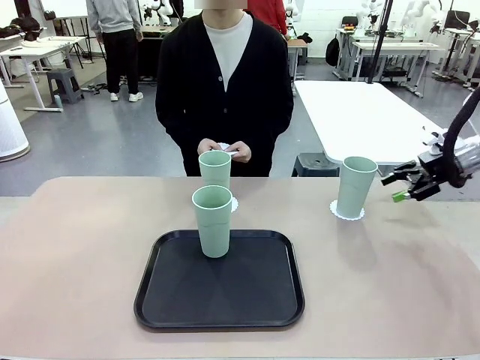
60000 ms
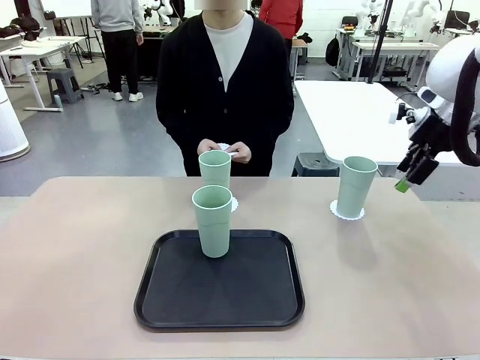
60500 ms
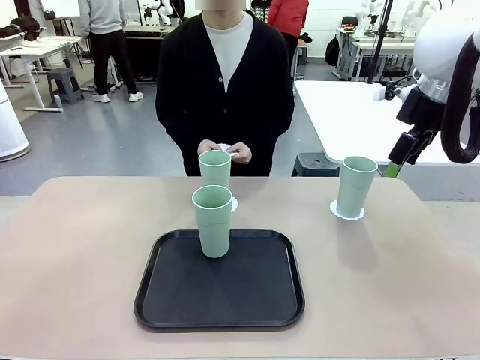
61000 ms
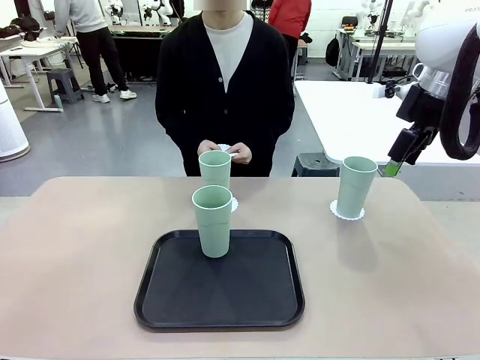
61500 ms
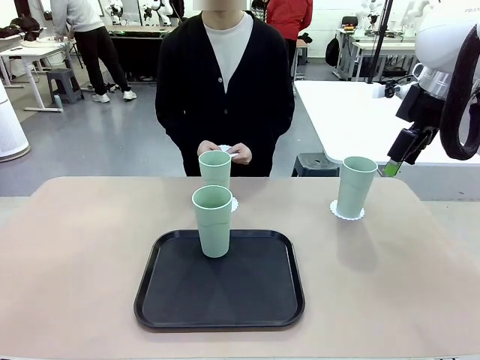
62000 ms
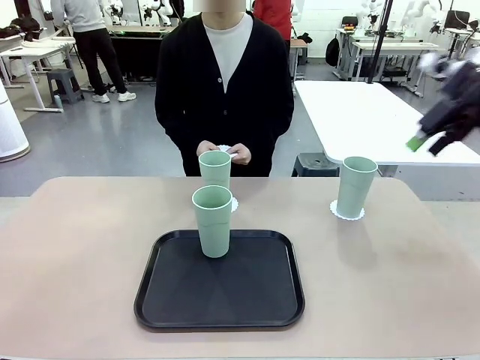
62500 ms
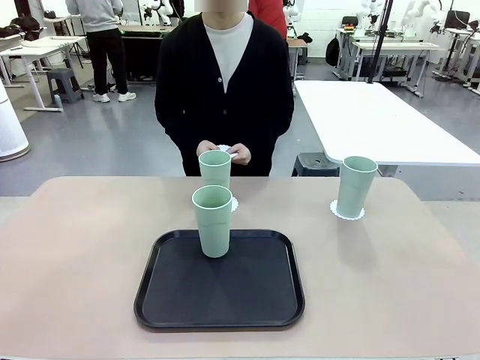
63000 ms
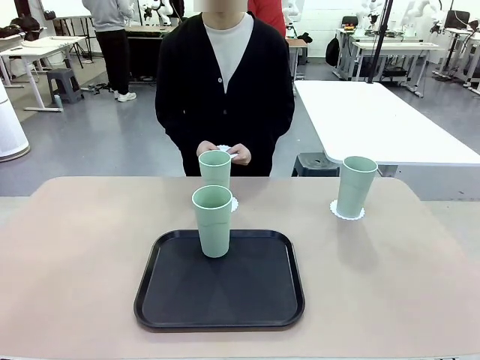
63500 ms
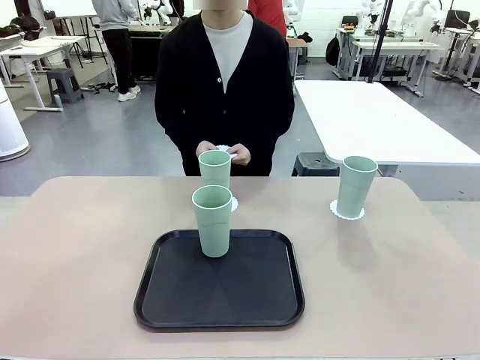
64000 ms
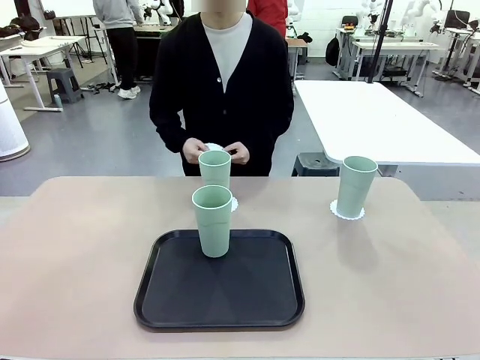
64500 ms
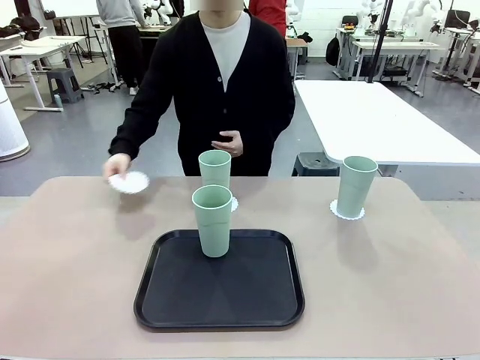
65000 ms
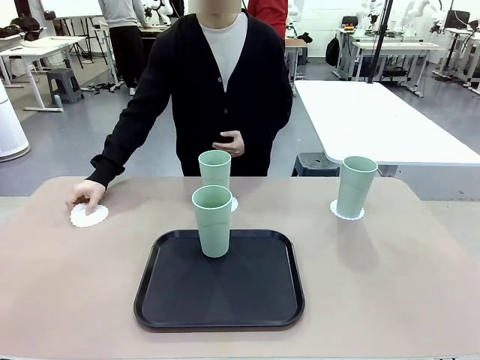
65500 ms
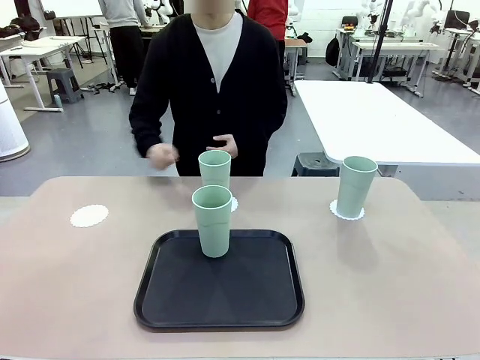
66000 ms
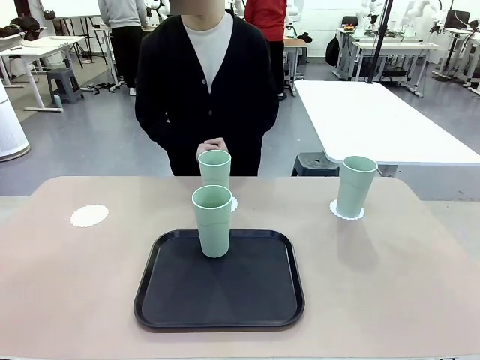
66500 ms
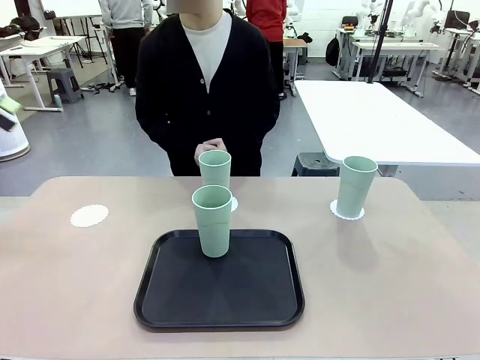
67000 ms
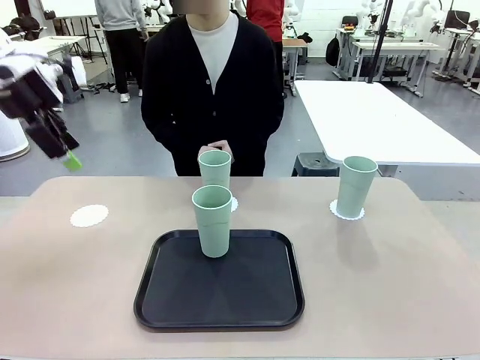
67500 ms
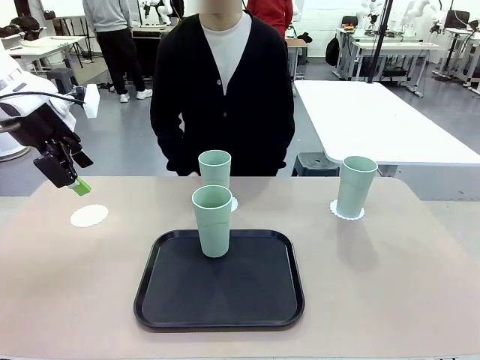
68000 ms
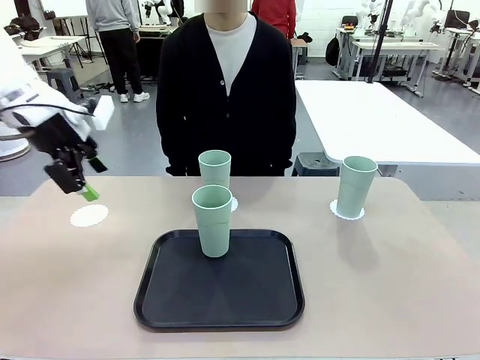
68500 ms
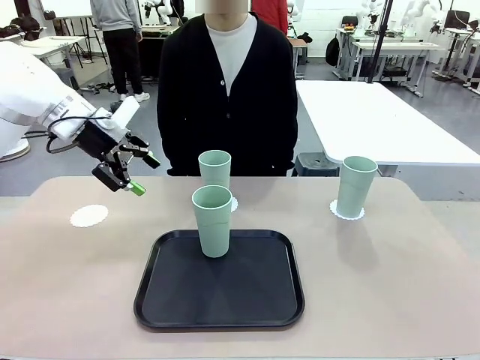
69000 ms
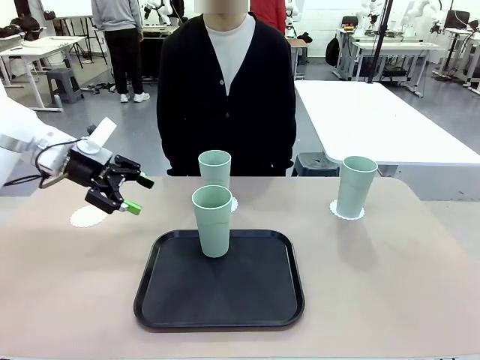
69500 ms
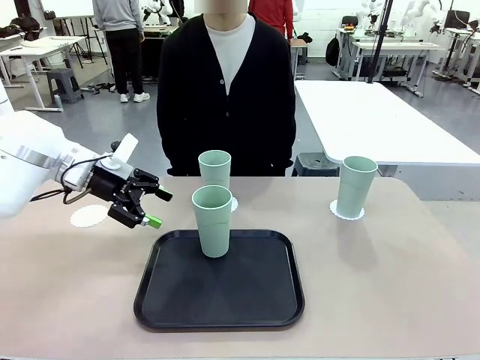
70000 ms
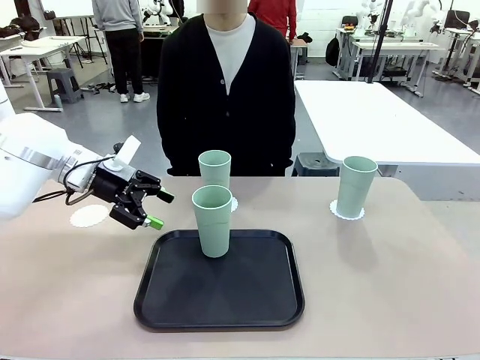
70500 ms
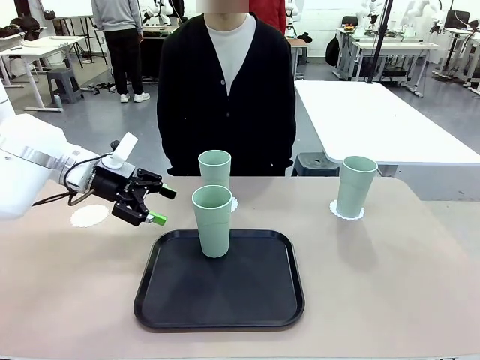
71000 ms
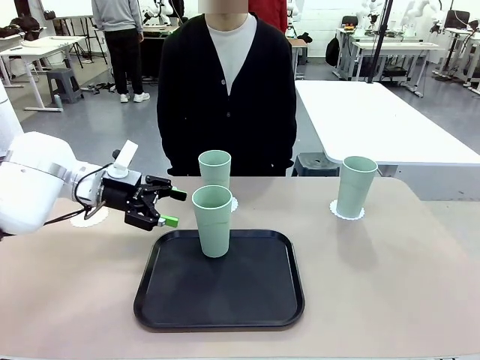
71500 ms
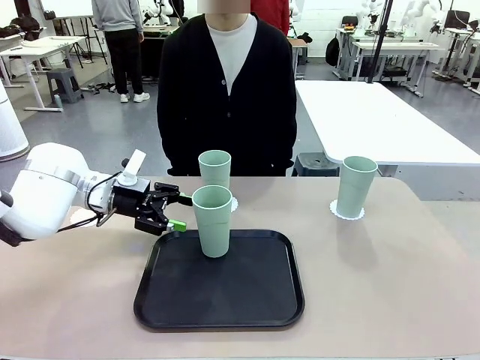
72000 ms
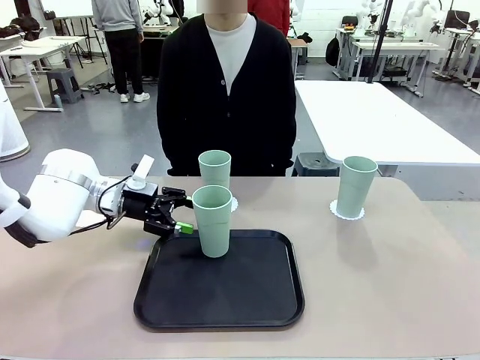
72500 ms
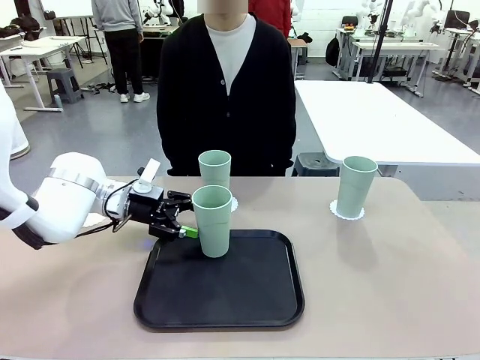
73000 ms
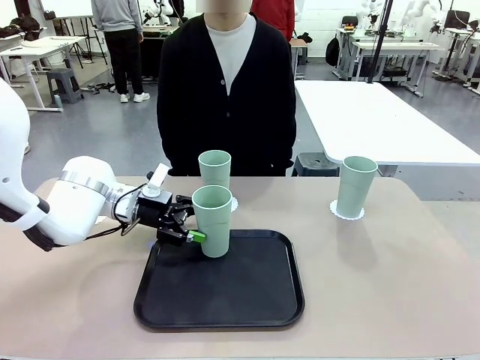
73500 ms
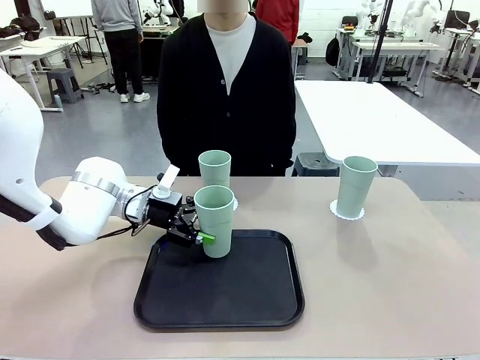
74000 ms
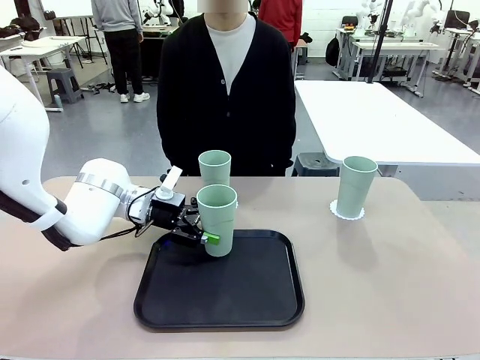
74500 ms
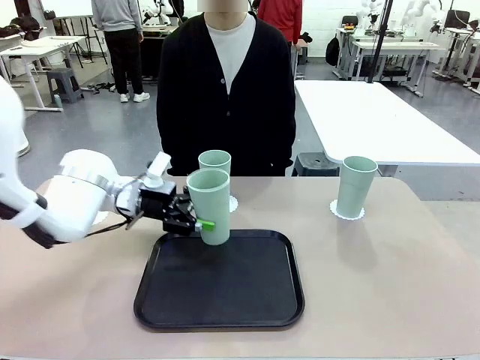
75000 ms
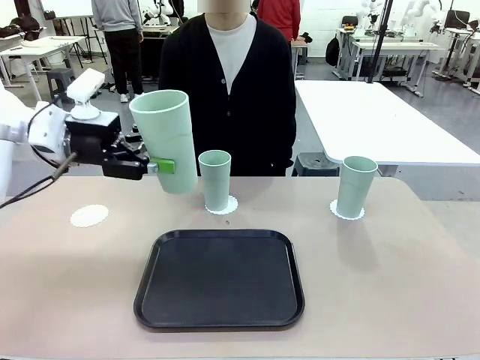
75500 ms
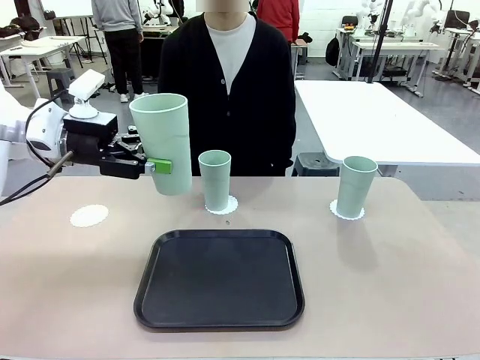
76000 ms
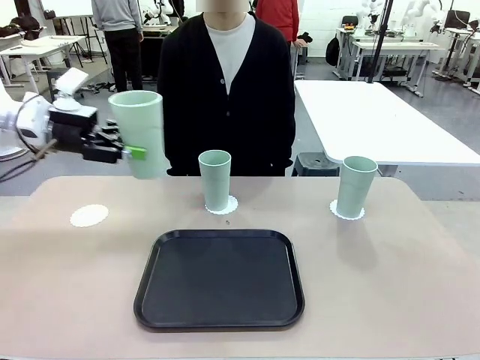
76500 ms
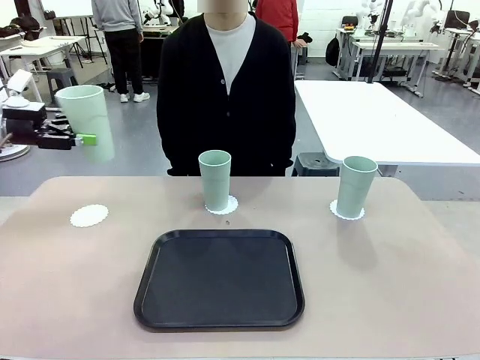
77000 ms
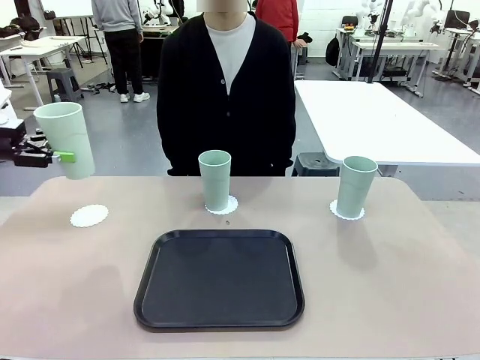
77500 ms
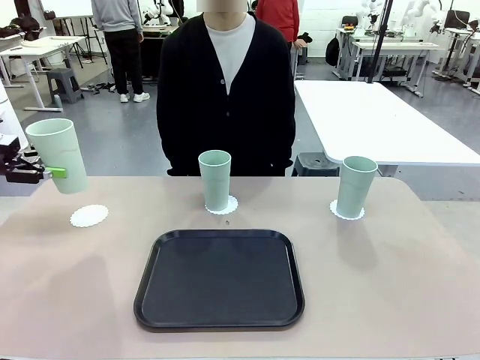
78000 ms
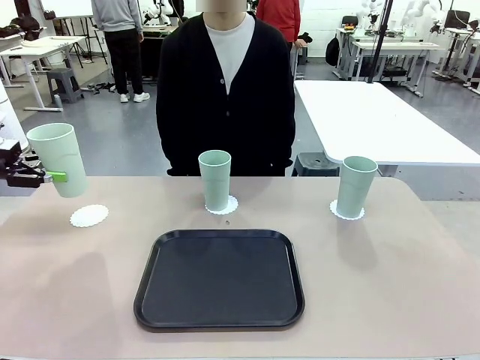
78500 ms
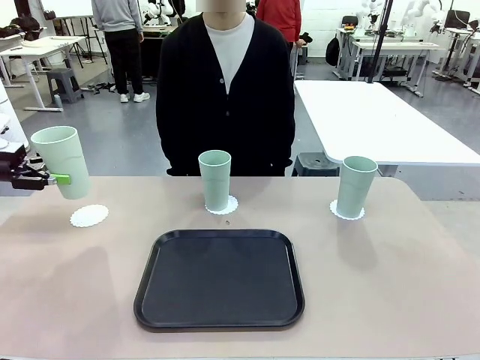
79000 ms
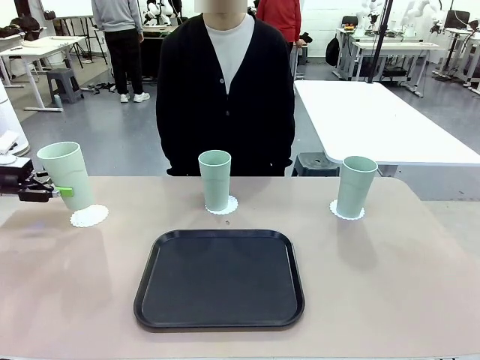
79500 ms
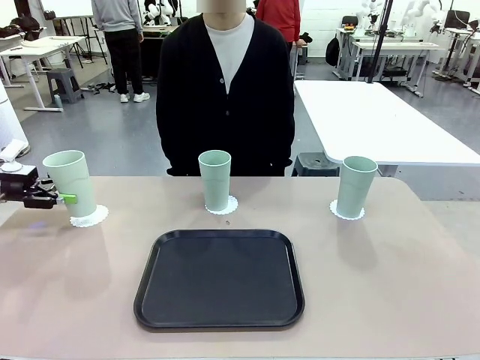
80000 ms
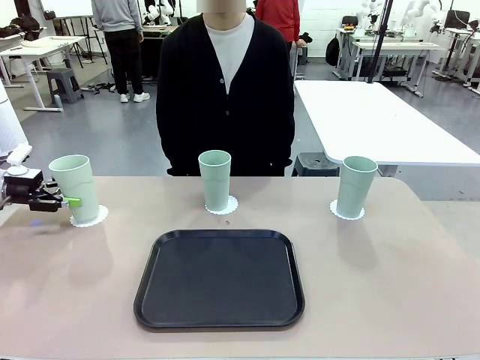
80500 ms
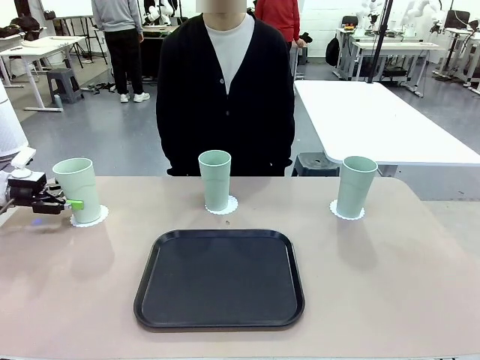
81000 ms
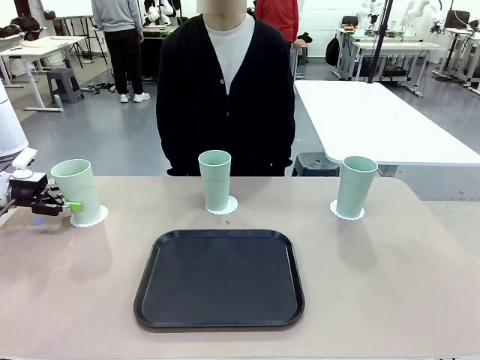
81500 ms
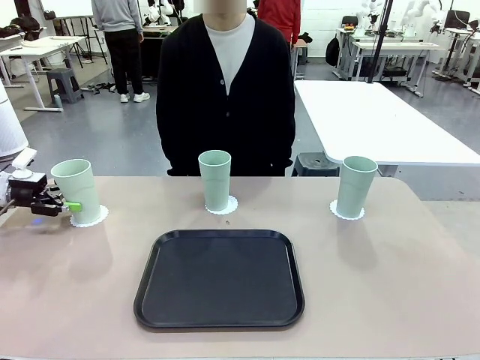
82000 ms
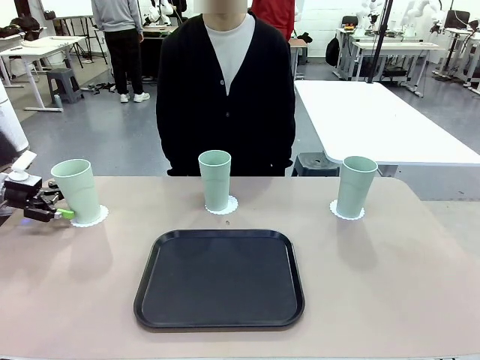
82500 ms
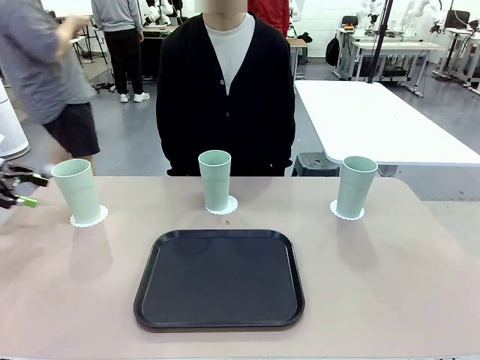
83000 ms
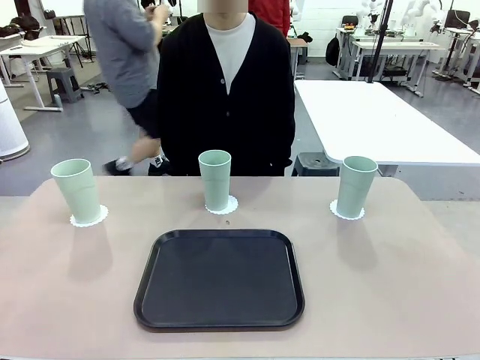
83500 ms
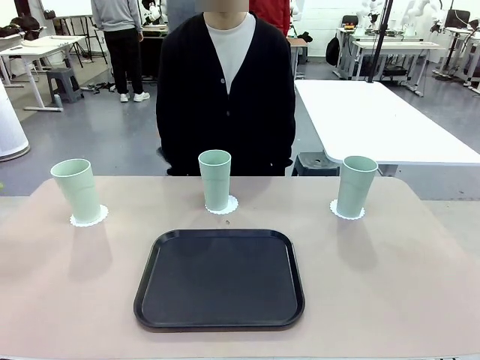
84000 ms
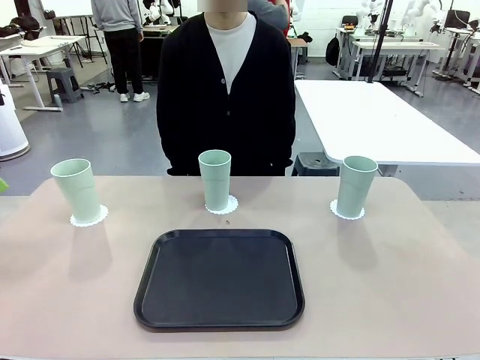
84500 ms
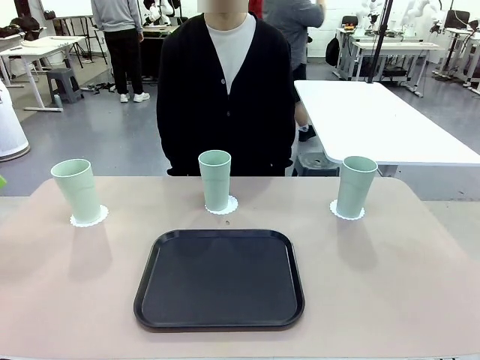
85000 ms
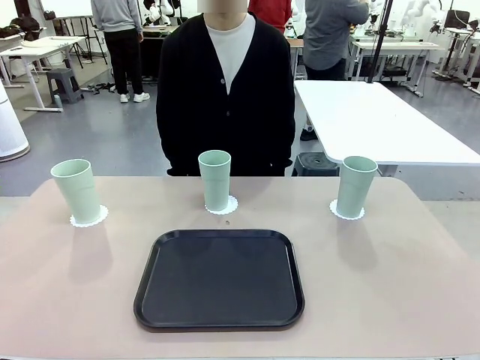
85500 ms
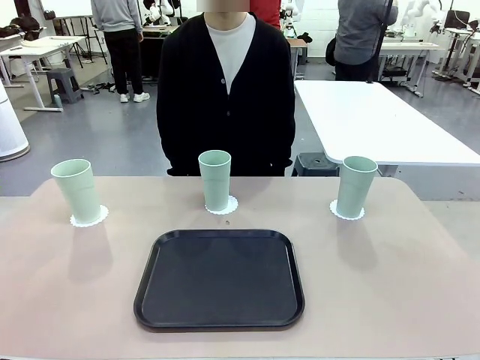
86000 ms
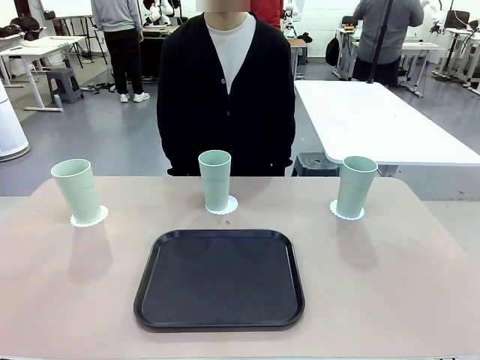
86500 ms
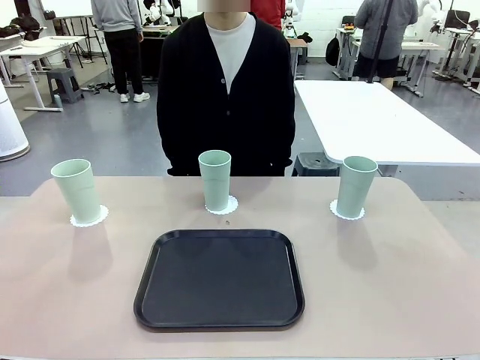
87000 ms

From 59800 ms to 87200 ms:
Task: Place coasters on the table and set cups on them.
Robot: Take one Reusable plastic cup from the Flat Tray and place it on a coaster set by the human.
Person: Place one coaster in the only remaining area.
